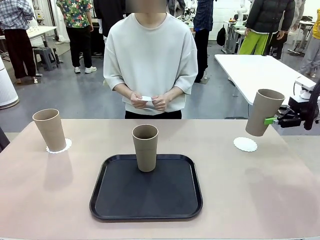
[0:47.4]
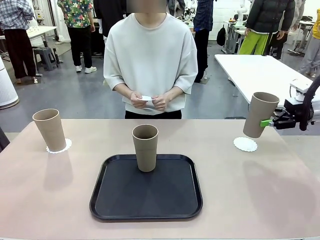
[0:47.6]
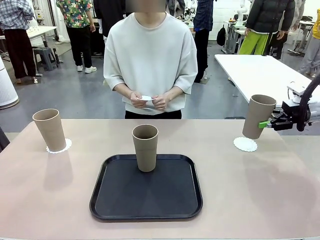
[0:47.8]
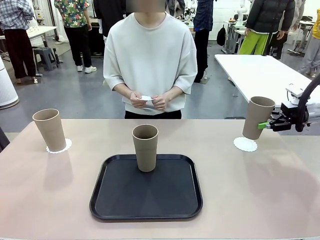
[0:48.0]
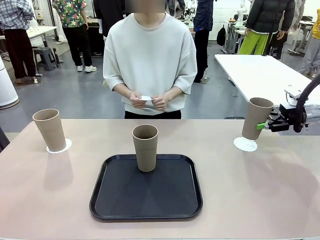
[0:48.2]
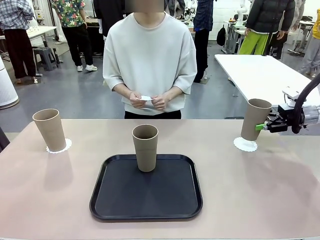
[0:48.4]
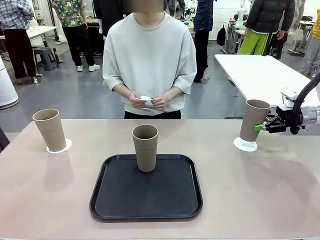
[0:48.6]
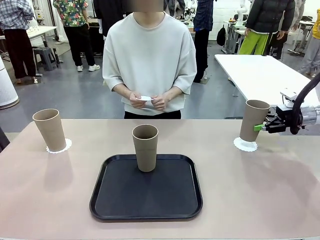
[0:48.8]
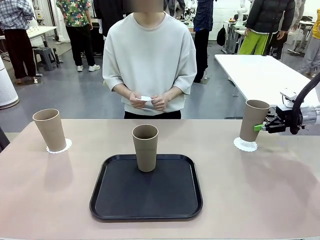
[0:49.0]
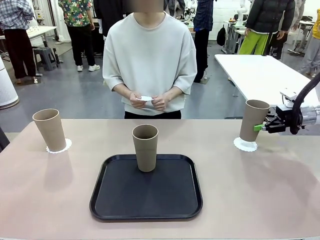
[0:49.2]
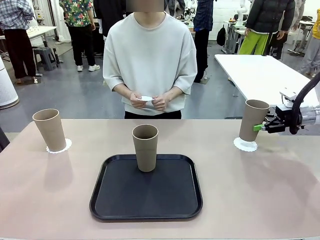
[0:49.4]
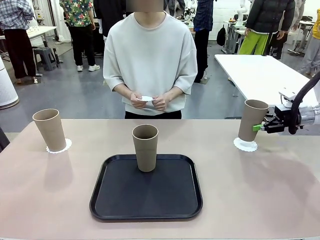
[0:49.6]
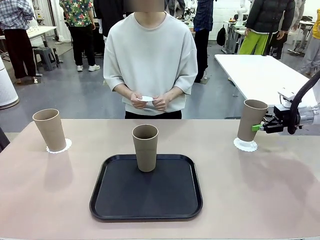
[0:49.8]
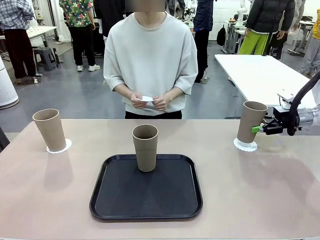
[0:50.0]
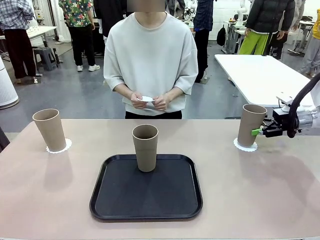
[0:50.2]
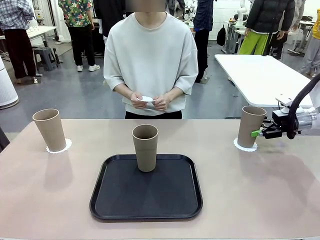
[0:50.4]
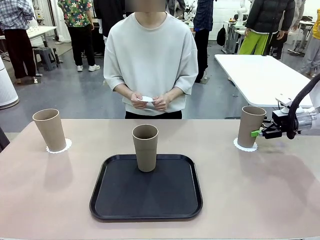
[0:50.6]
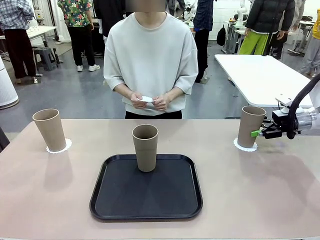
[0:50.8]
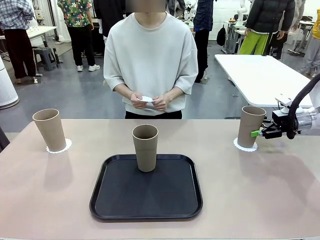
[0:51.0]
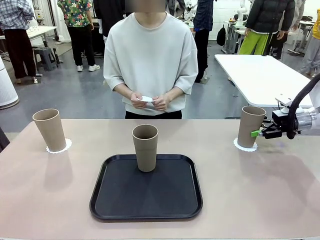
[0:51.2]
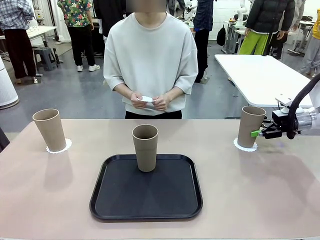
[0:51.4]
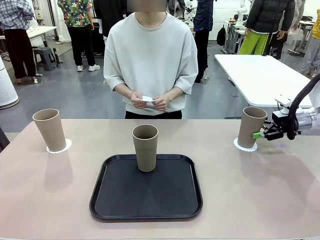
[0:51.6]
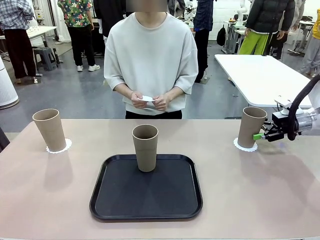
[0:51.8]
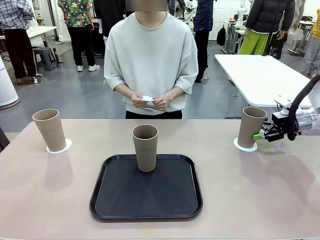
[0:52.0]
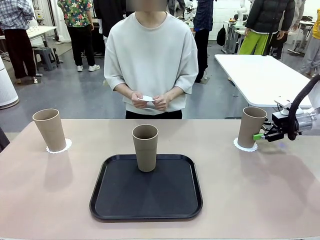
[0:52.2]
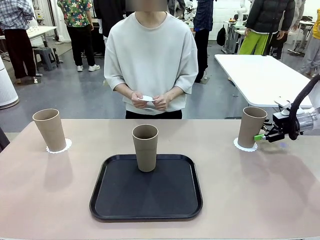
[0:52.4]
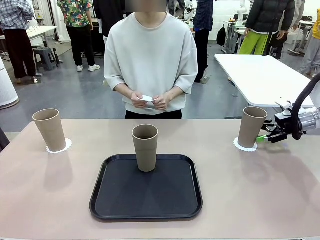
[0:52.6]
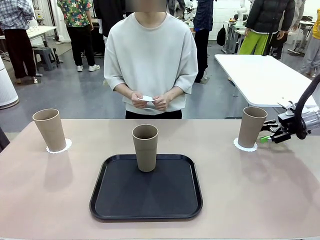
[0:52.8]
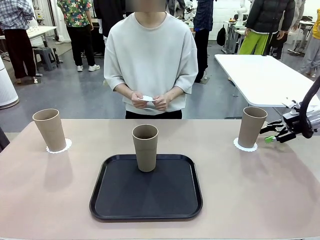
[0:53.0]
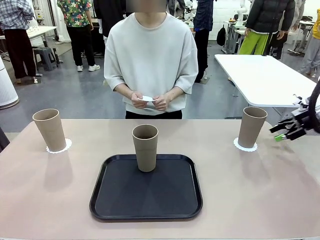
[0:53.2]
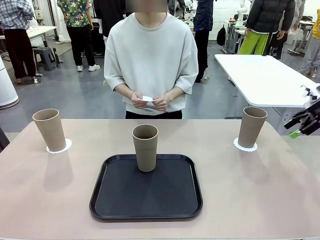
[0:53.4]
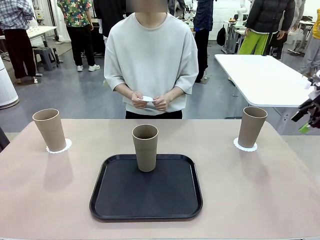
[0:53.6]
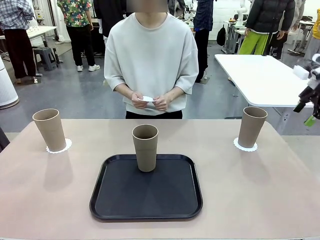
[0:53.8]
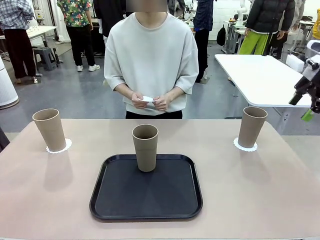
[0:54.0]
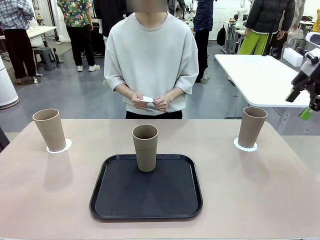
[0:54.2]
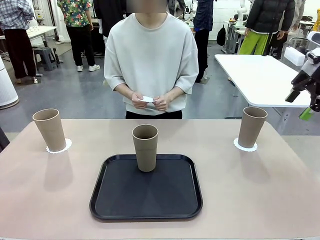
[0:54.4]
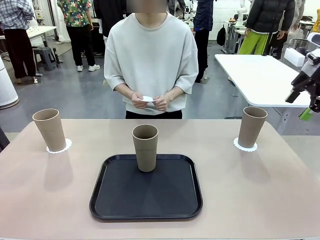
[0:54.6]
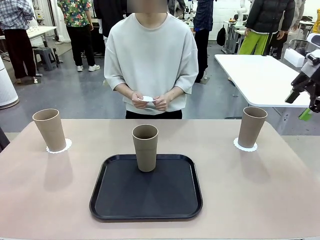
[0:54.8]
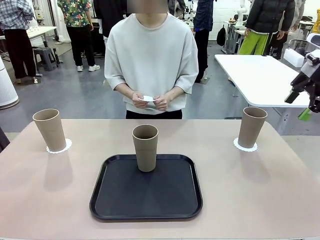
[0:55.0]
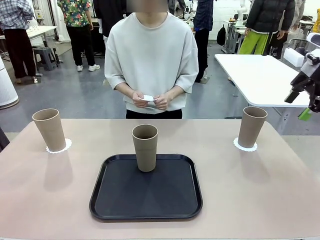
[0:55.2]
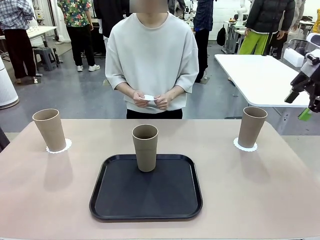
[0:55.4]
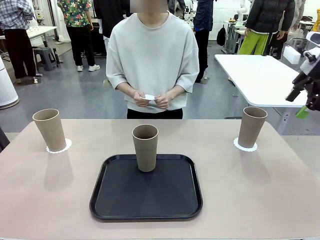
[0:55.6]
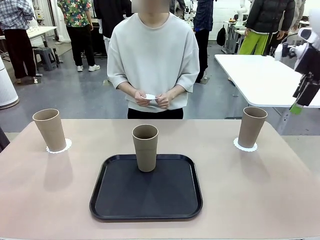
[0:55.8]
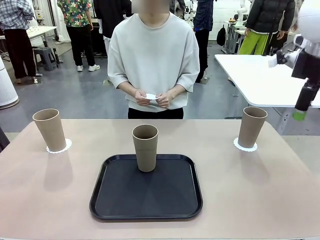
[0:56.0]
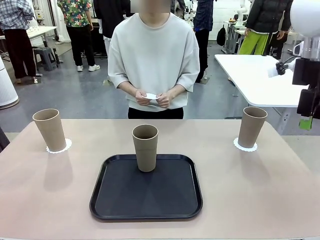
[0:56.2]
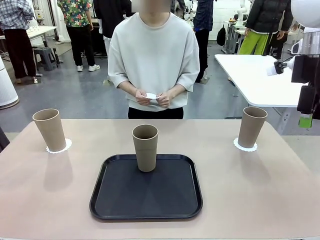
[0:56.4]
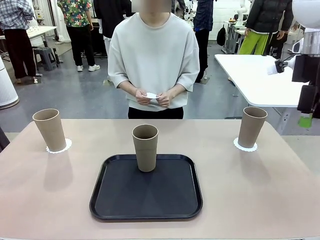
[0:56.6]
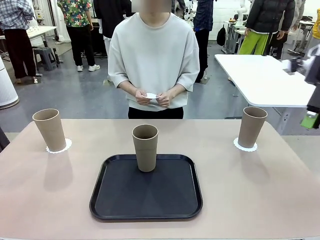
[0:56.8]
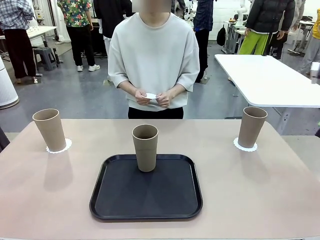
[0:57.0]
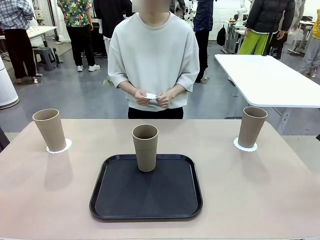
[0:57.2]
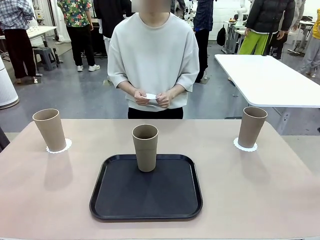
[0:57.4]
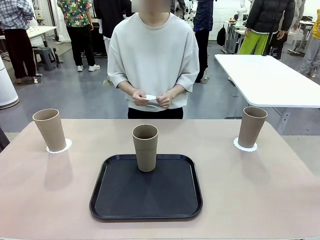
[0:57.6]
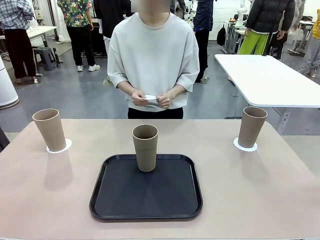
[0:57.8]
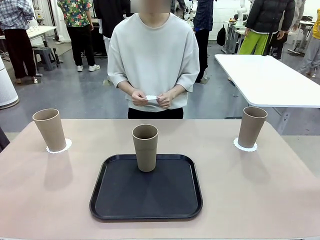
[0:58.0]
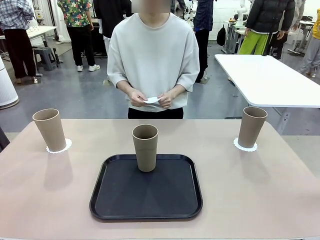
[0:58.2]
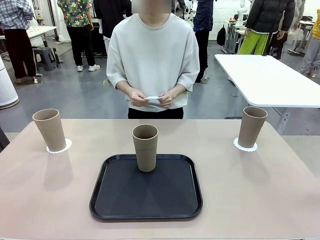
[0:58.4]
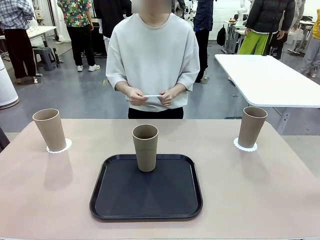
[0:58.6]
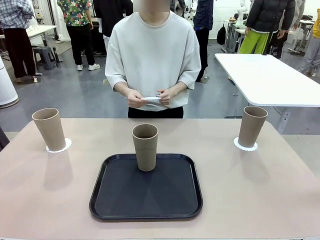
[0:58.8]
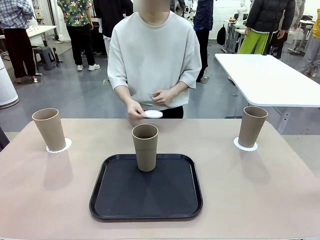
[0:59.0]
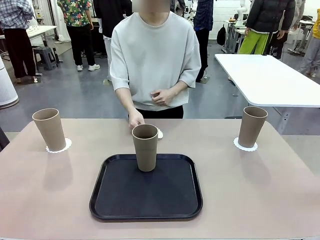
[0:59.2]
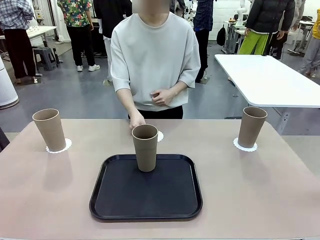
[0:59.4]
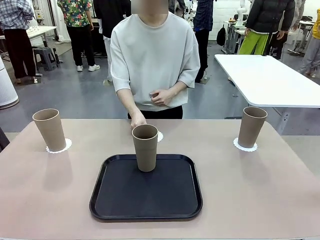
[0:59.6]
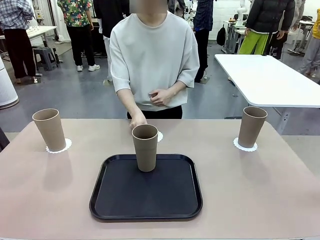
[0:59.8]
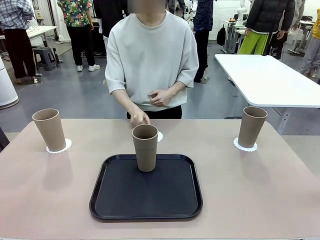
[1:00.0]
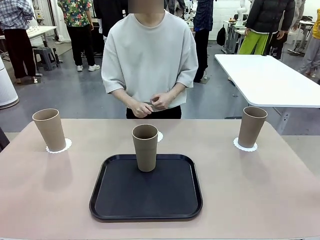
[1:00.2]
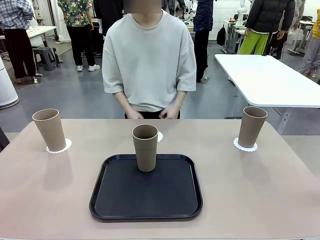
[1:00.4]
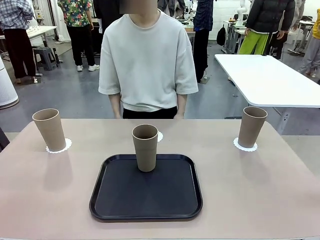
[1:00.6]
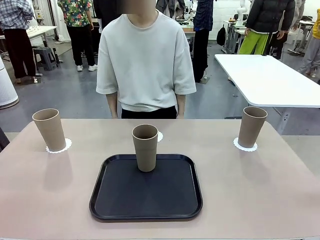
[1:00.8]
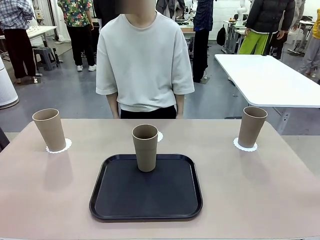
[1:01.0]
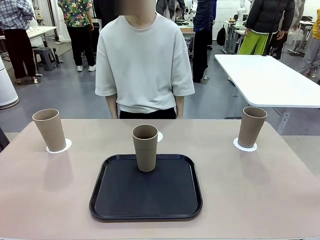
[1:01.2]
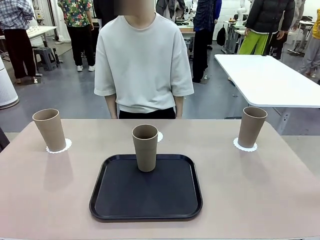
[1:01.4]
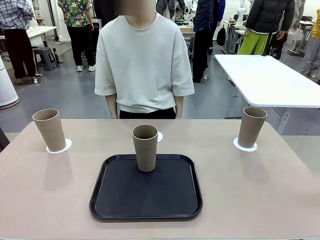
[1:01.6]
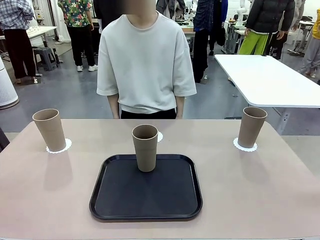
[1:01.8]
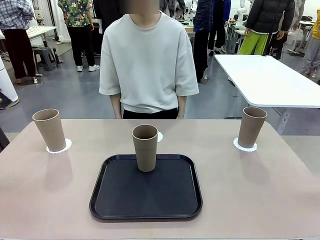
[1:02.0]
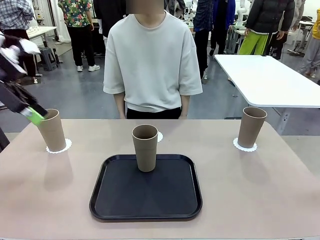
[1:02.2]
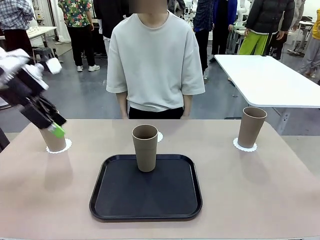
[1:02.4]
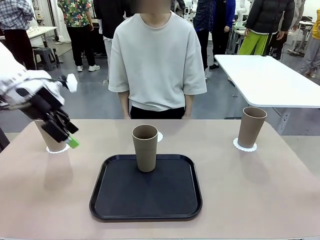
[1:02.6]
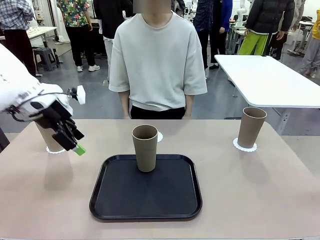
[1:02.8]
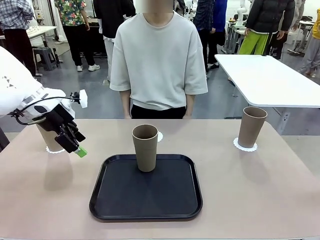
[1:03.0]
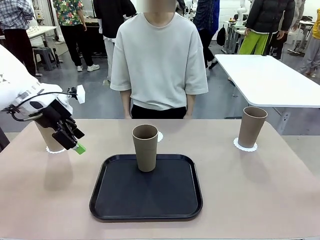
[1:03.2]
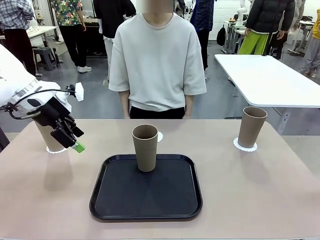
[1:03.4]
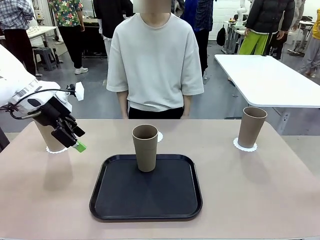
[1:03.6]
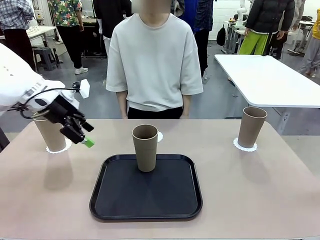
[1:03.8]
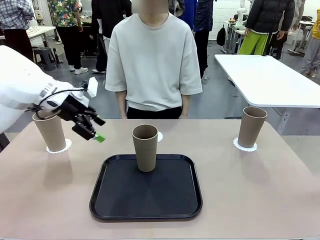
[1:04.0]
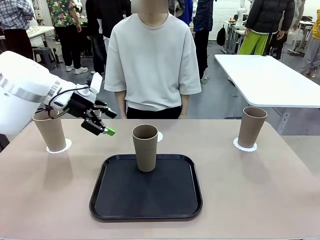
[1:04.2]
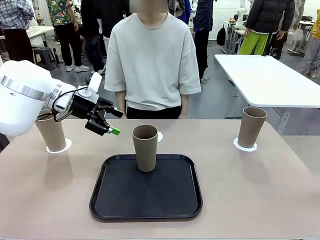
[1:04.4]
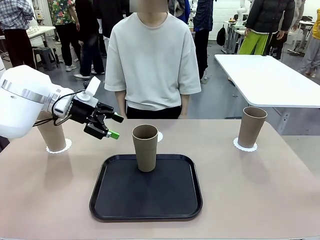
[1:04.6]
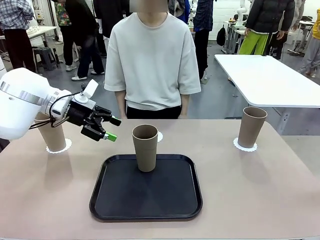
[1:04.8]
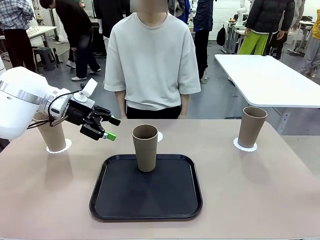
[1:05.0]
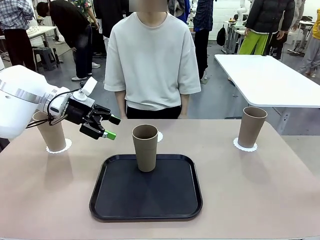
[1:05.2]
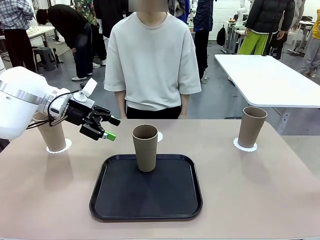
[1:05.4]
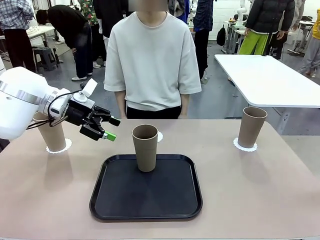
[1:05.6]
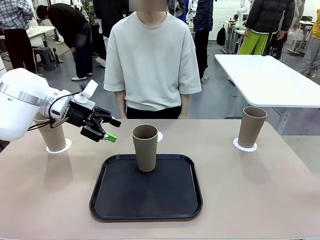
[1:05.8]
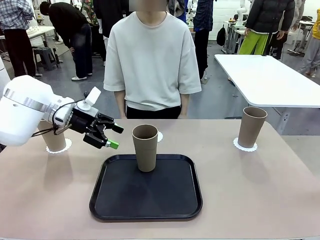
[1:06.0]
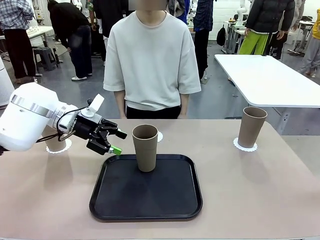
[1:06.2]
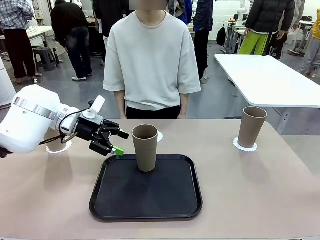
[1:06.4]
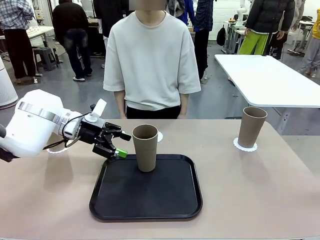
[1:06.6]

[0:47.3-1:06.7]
Task: Place coasters on the table and set cups on them.
Robot: Take one Reusable plastic cup from the Flat Tray and place it on a coaster set by the human.
